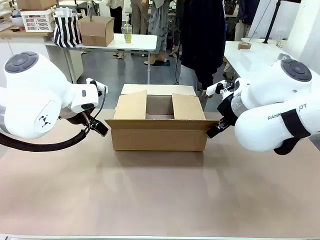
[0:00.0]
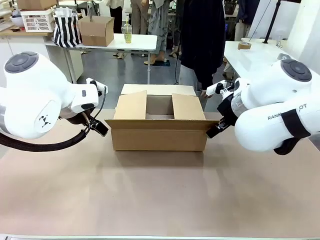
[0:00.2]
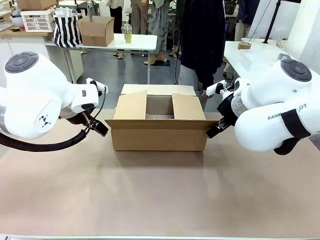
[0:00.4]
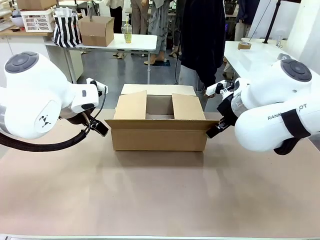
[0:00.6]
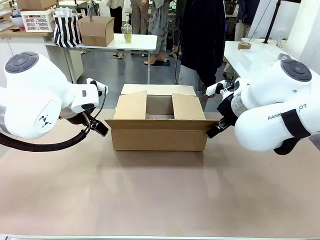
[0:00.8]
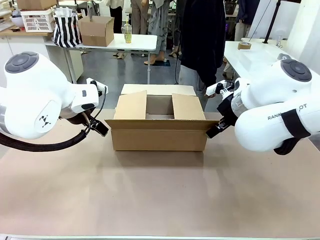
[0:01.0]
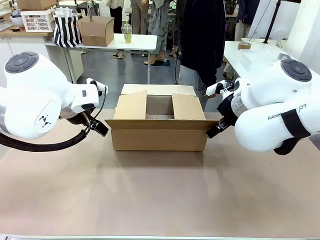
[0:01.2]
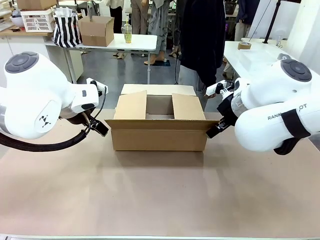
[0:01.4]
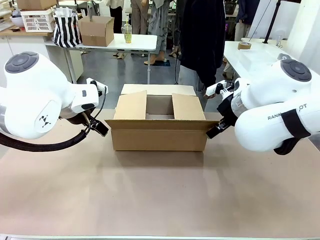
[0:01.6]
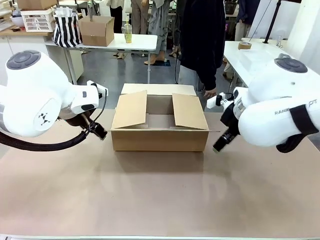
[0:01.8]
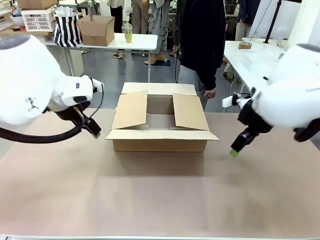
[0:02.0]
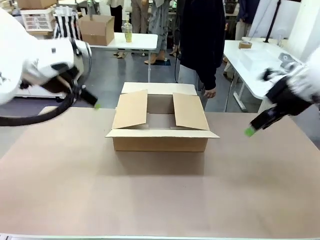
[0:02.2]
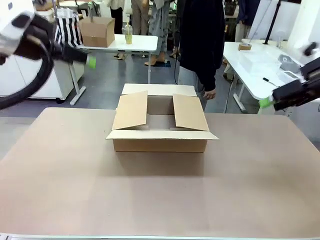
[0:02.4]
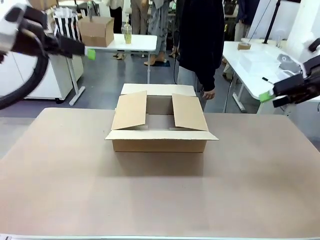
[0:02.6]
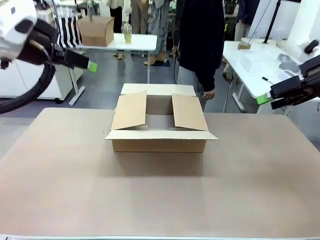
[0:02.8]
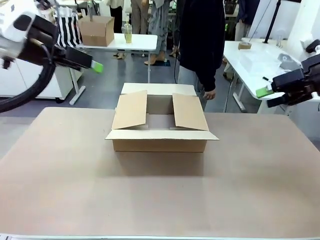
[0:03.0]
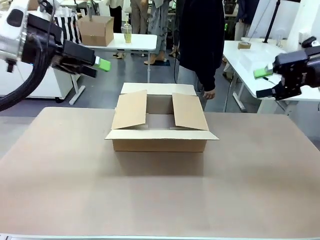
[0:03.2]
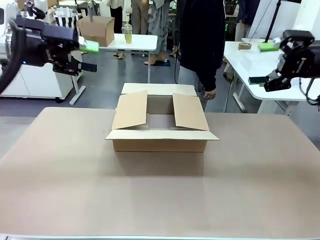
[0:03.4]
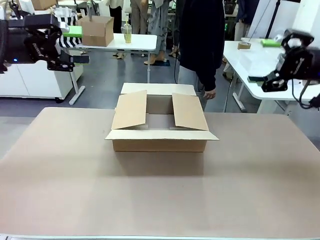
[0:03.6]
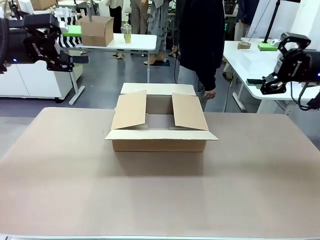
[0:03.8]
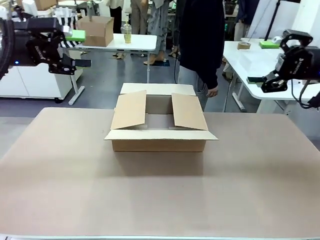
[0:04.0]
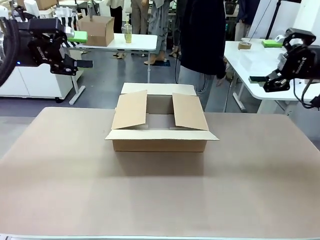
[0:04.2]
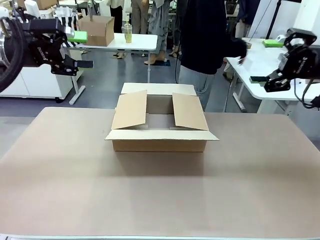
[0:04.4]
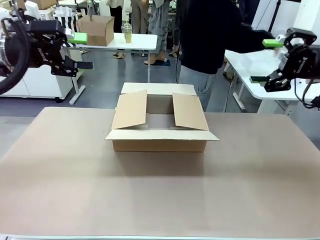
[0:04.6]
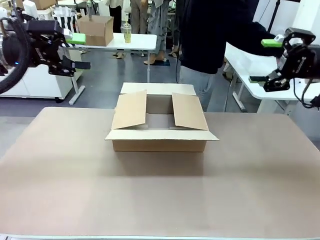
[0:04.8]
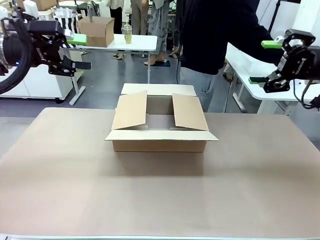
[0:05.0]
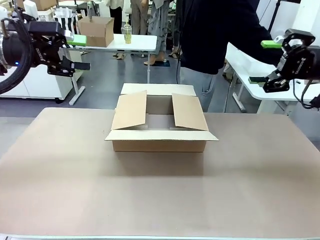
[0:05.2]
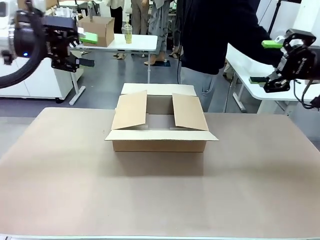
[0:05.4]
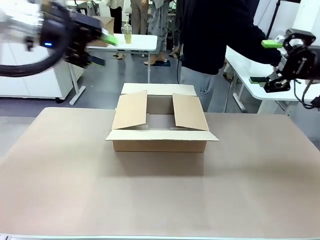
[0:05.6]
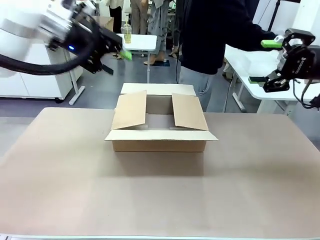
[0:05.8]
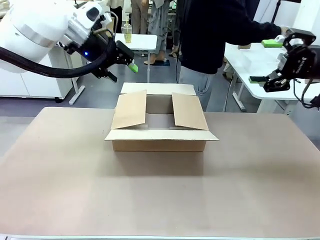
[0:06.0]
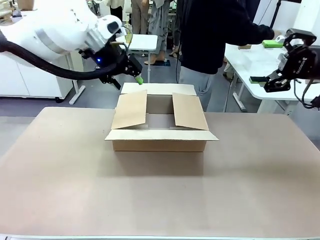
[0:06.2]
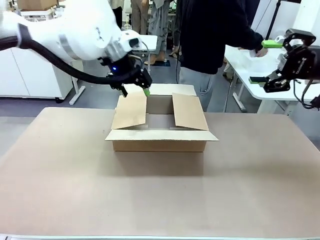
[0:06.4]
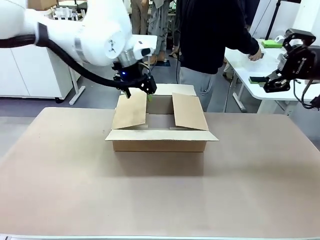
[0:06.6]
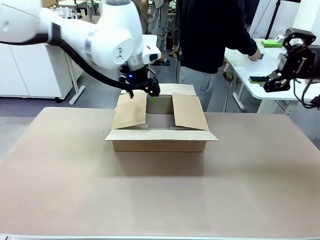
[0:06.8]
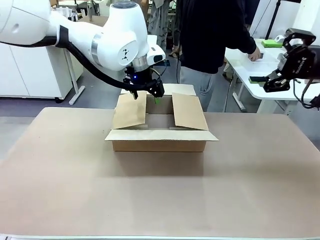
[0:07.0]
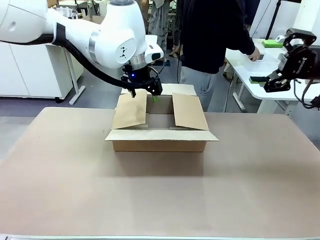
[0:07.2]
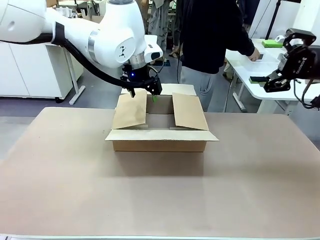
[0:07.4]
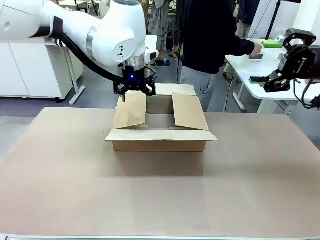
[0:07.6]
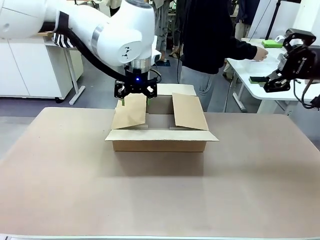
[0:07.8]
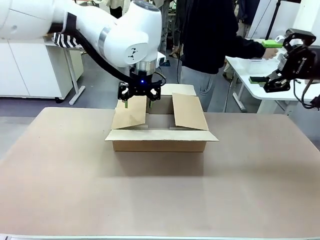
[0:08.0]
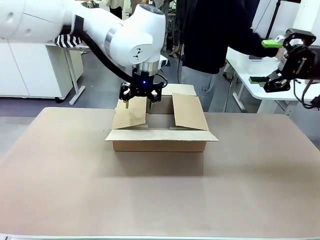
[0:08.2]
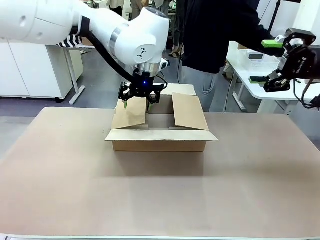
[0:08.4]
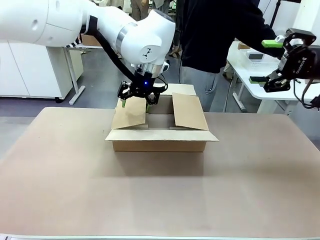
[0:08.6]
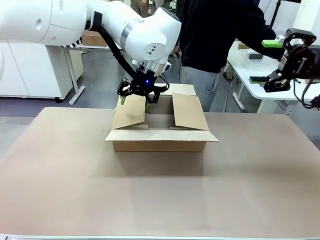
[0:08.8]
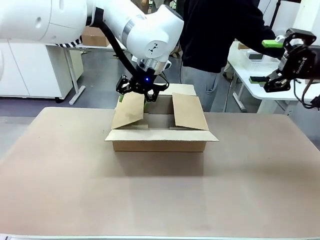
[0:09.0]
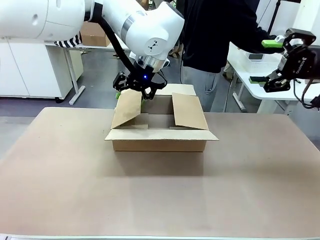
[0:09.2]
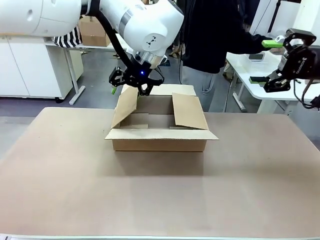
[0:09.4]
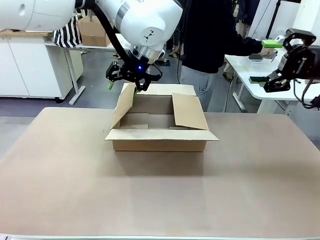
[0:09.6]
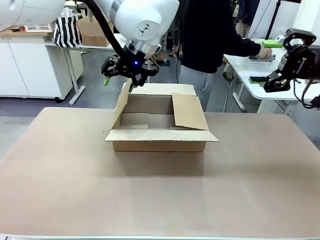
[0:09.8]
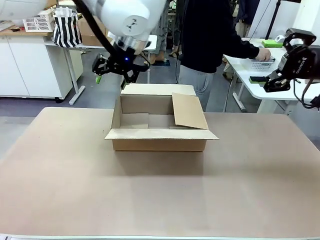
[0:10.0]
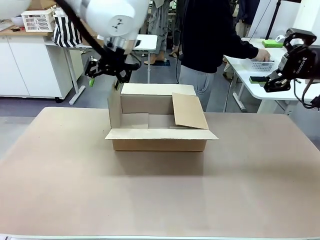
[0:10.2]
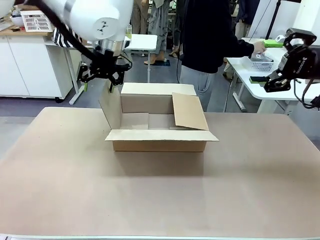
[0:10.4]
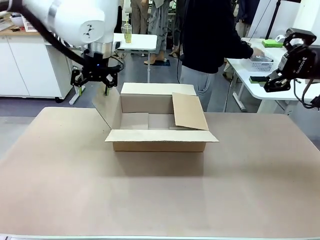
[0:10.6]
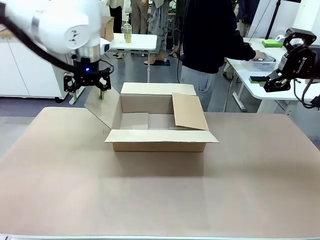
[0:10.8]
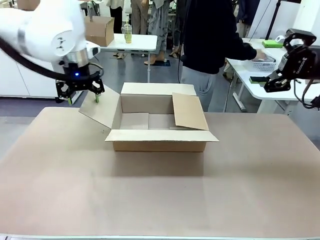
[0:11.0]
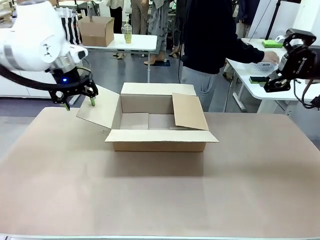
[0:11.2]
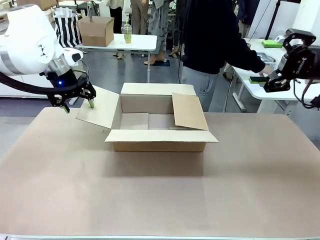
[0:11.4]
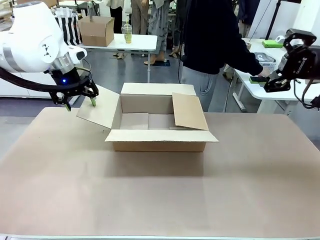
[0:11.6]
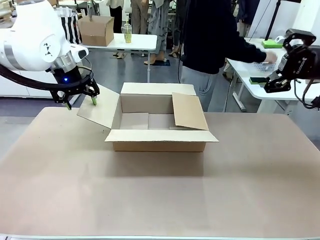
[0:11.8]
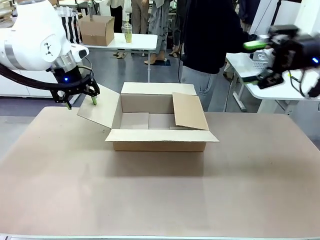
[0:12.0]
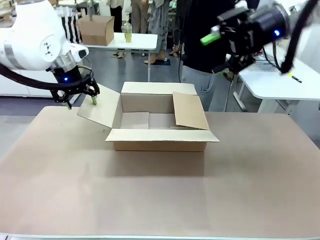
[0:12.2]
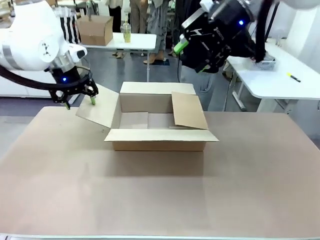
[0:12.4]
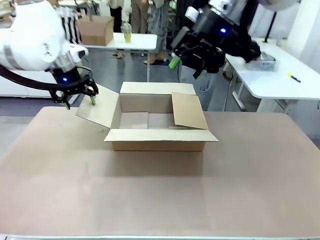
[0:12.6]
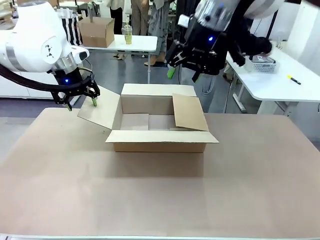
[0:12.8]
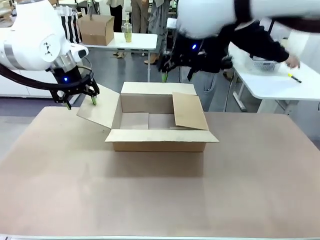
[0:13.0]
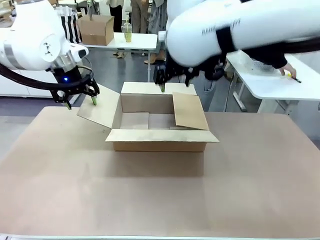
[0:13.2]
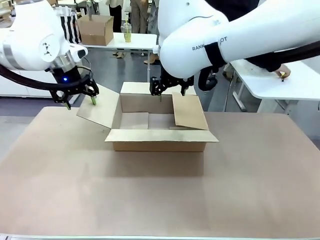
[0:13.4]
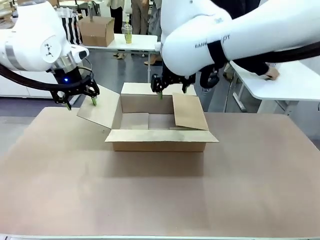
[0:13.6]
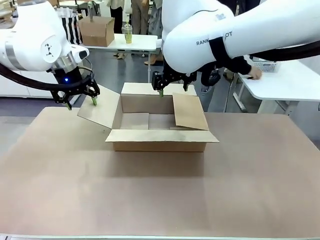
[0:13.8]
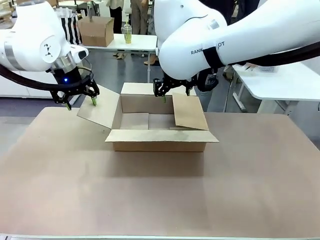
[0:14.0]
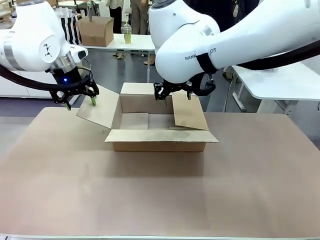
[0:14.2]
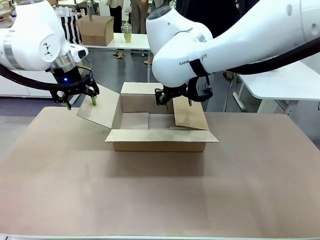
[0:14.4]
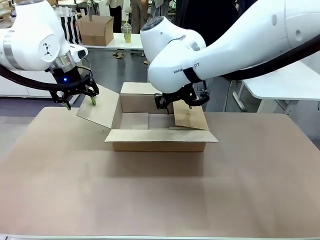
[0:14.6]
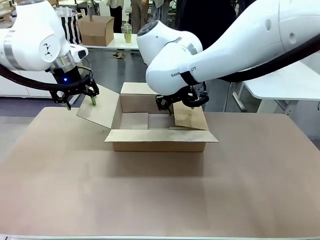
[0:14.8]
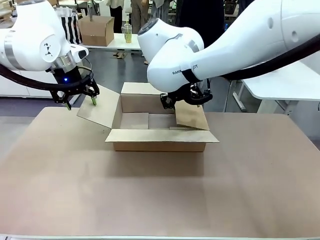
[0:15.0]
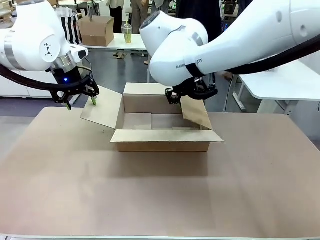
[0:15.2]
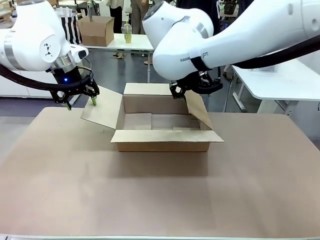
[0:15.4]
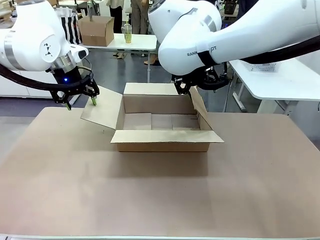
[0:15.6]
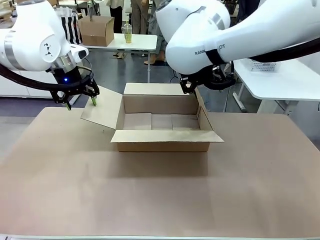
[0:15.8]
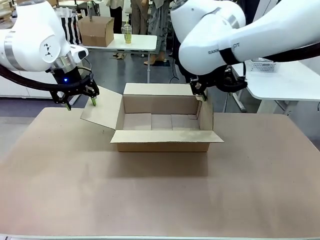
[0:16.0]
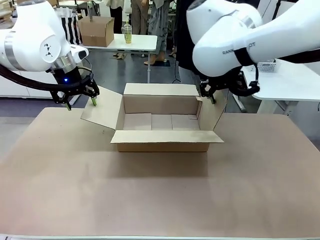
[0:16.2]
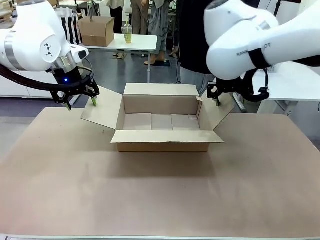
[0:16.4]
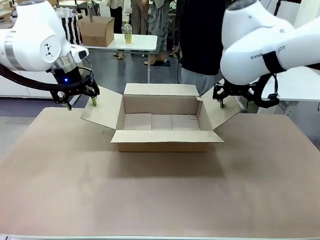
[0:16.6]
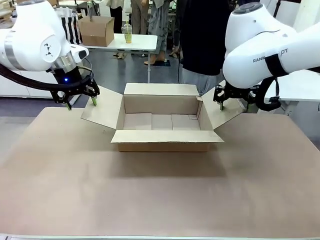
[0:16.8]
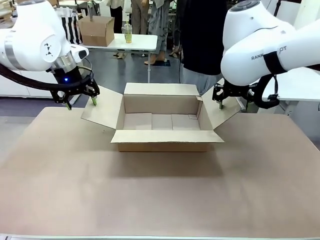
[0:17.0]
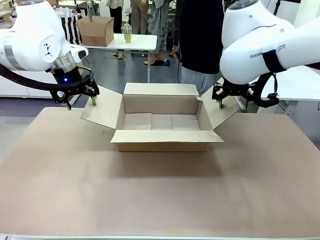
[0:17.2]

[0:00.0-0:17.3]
Task: Pack the gift set into the box.
Robot: Place both hands on the side flaps of the Package Box and spread them outward.
Person: The human places all items except the paper tape into the organizing basket.

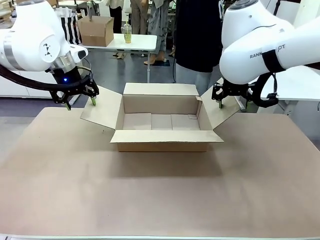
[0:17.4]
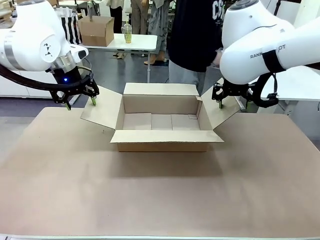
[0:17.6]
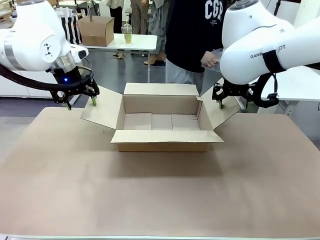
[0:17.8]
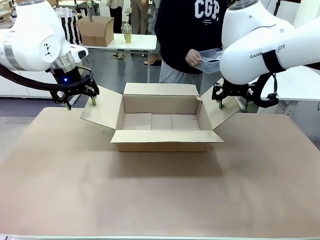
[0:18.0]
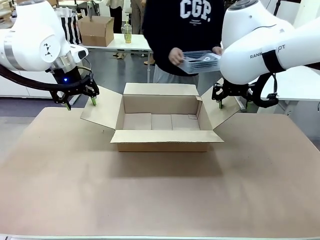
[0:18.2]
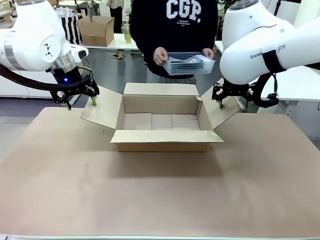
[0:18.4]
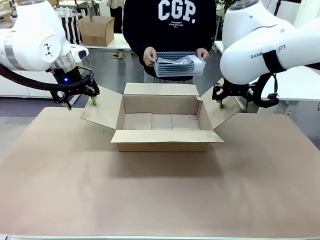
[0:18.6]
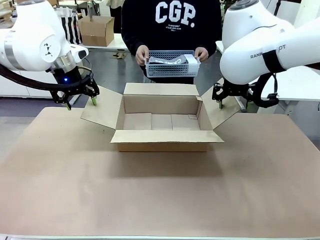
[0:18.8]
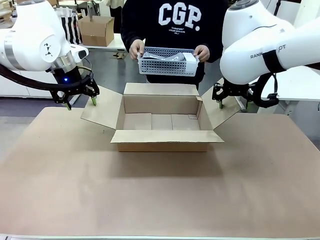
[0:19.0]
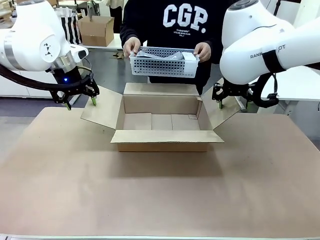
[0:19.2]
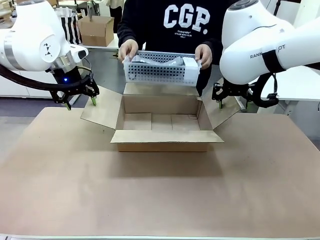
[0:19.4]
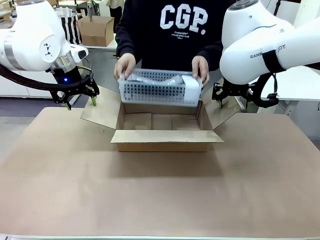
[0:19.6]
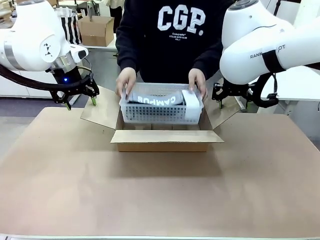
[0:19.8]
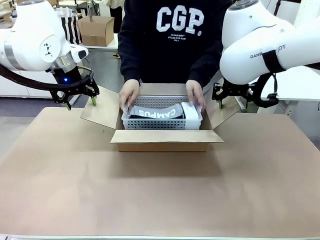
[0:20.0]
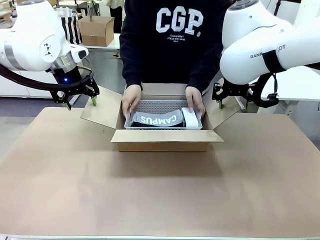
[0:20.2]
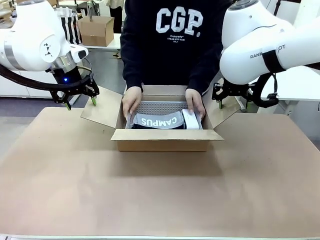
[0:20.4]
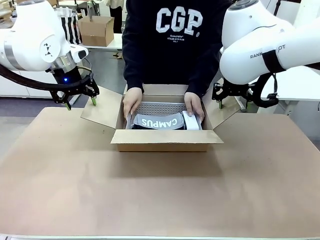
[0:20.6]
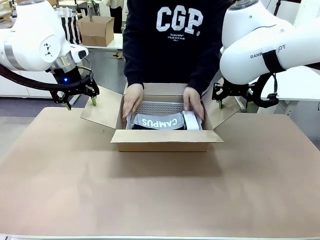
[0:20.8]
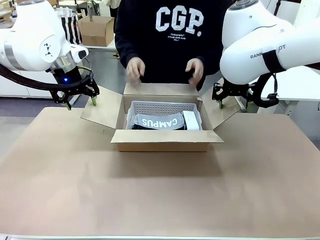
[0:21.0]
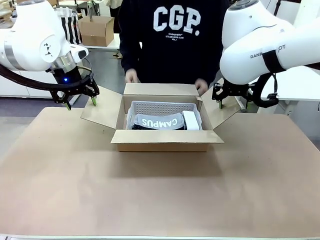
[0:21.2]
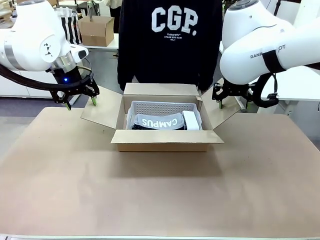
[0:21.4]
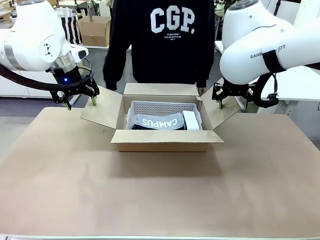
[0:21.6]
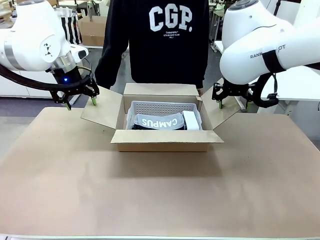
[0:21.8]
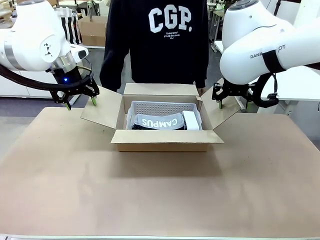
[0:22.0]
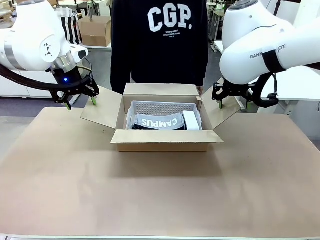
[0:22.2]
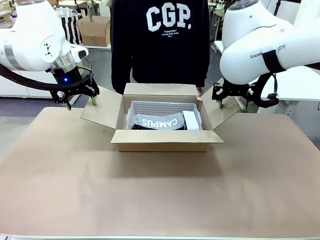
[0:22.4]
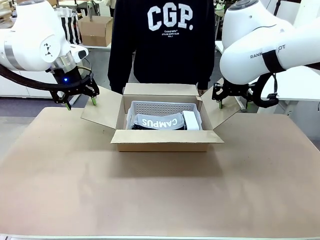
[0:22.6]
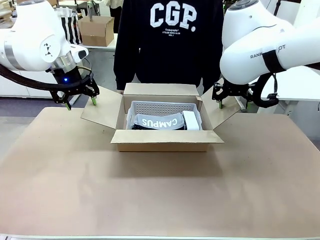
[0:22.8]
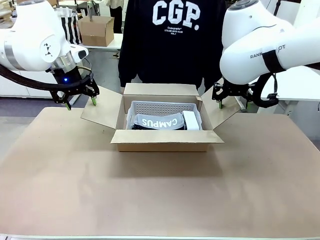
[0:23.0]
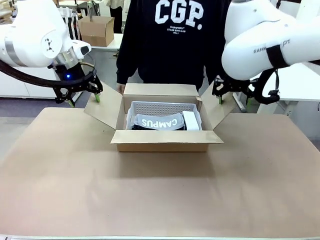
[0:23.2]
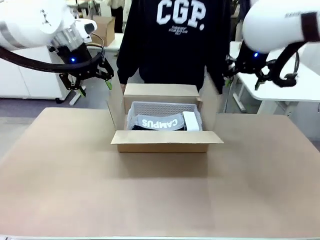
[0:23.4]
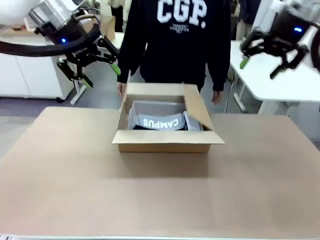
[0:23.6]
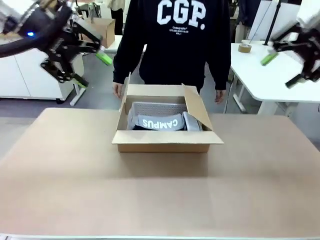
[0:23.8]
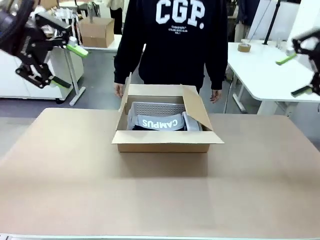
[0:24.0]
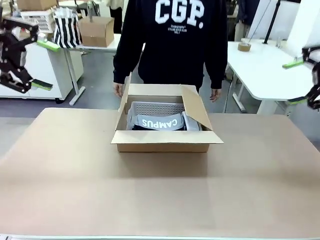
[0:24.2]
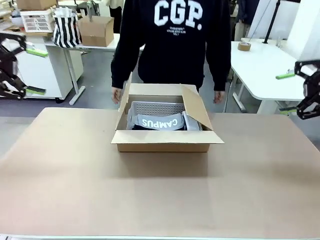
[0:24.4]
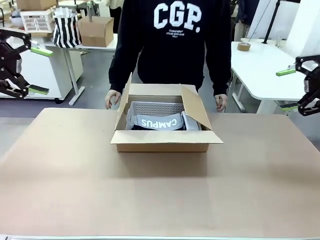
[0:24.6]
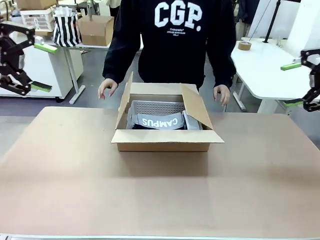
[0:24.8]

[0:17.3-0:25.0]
Robot: Lift both hands away from the flaps of the Package Box.
Person: The human picks up the organizing basket and places the organizing basket into the package box on the robot table.
